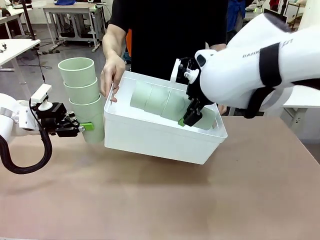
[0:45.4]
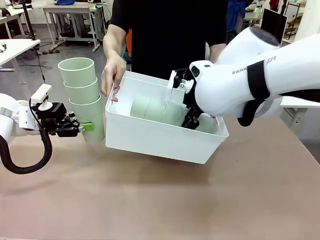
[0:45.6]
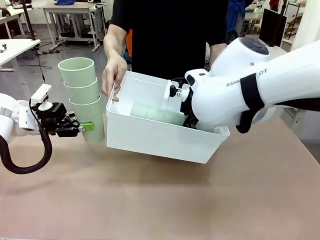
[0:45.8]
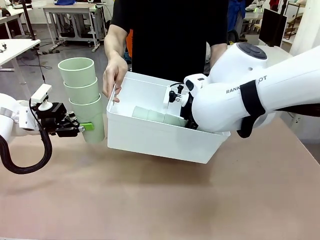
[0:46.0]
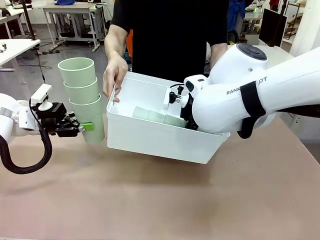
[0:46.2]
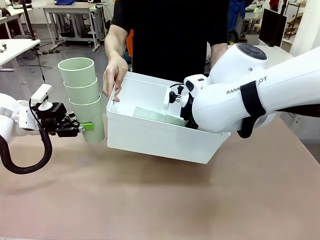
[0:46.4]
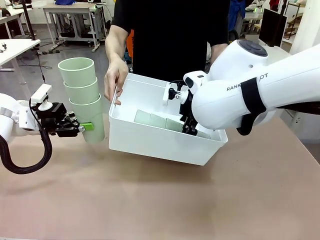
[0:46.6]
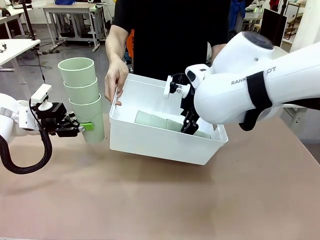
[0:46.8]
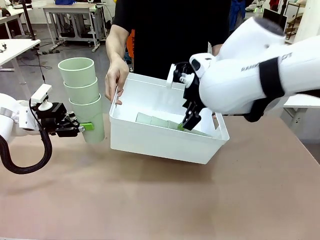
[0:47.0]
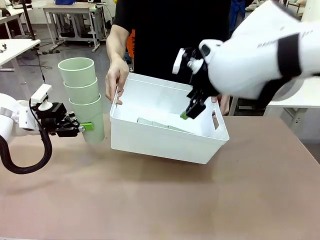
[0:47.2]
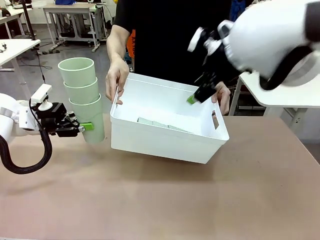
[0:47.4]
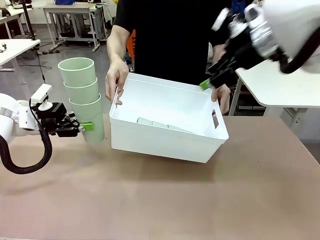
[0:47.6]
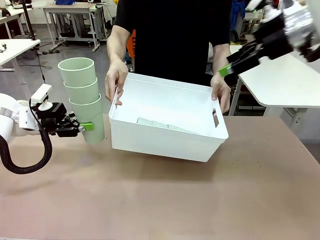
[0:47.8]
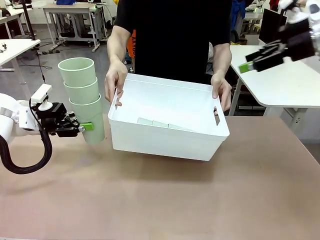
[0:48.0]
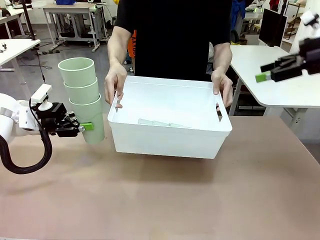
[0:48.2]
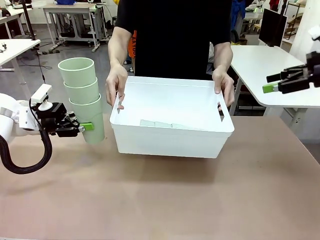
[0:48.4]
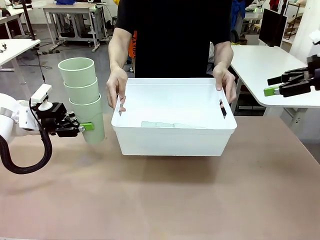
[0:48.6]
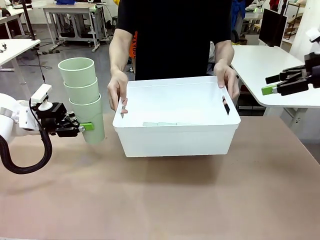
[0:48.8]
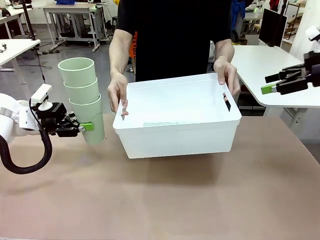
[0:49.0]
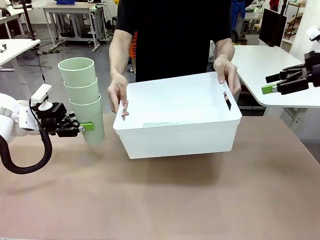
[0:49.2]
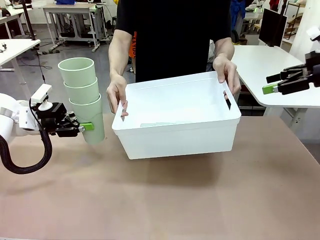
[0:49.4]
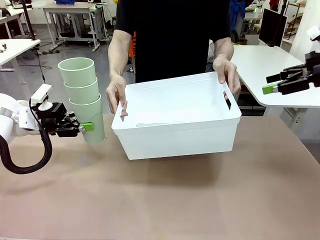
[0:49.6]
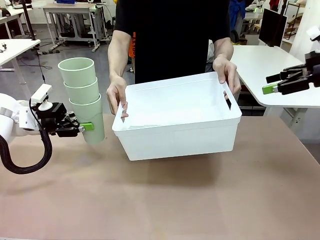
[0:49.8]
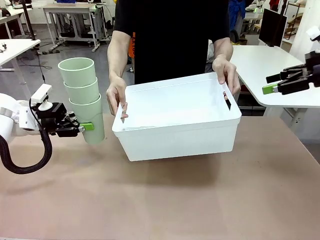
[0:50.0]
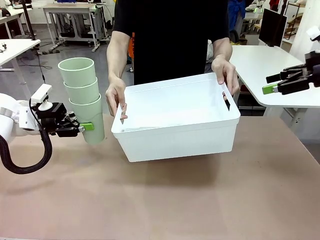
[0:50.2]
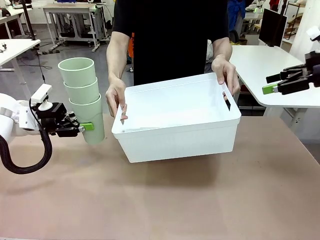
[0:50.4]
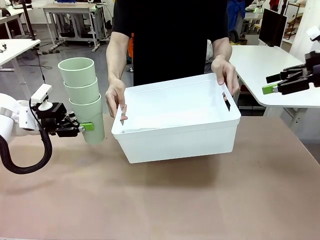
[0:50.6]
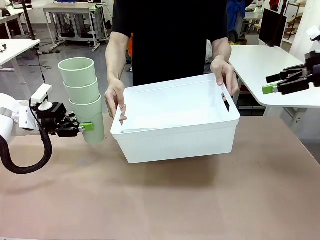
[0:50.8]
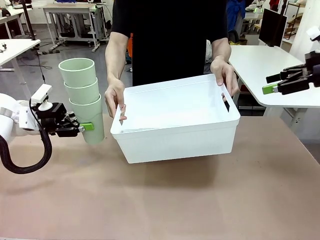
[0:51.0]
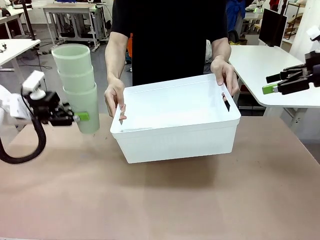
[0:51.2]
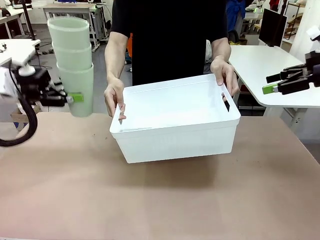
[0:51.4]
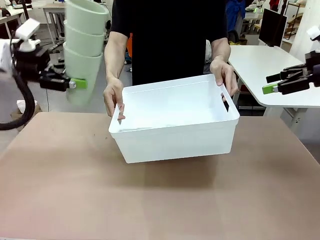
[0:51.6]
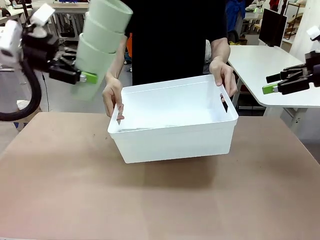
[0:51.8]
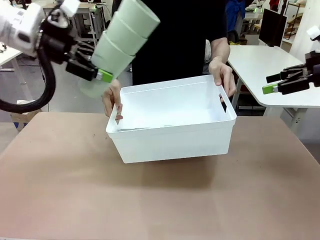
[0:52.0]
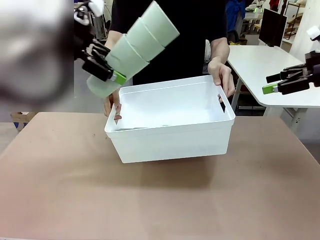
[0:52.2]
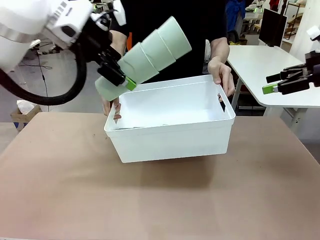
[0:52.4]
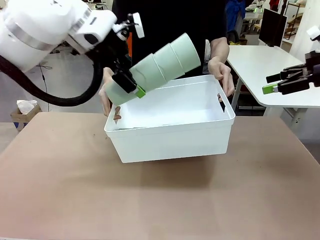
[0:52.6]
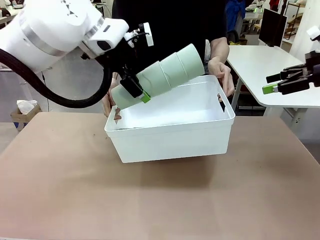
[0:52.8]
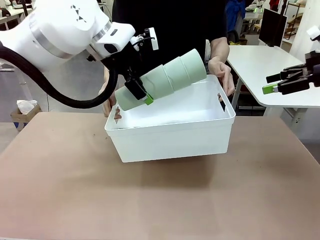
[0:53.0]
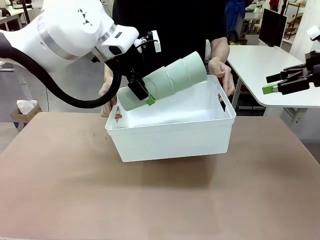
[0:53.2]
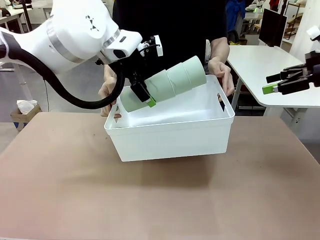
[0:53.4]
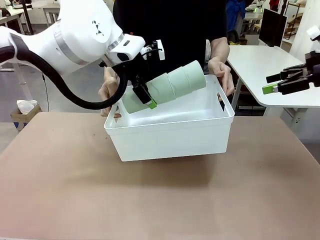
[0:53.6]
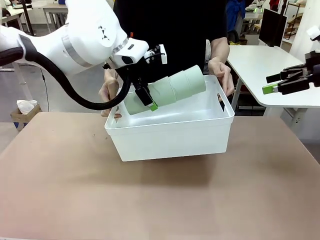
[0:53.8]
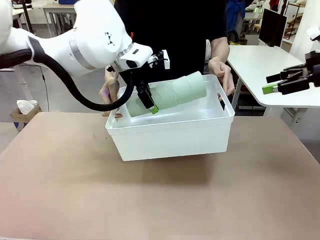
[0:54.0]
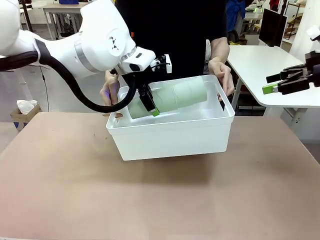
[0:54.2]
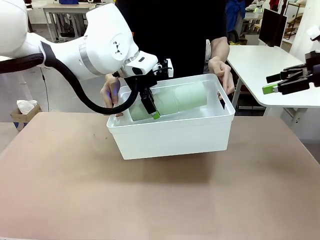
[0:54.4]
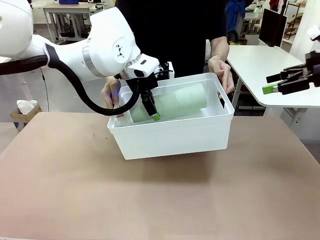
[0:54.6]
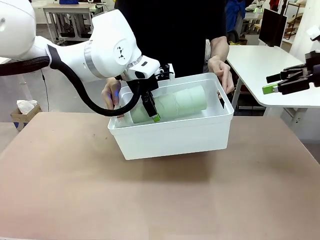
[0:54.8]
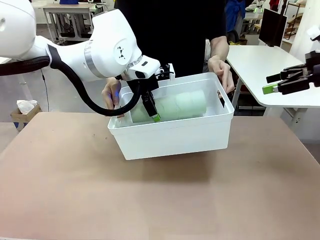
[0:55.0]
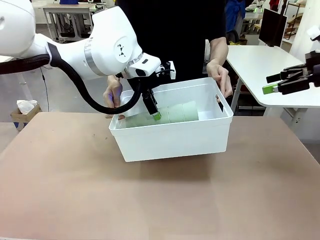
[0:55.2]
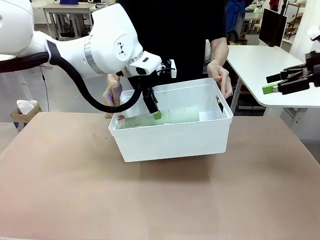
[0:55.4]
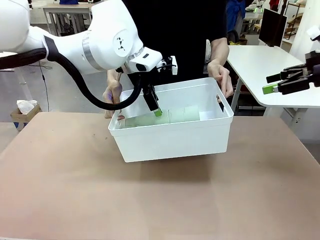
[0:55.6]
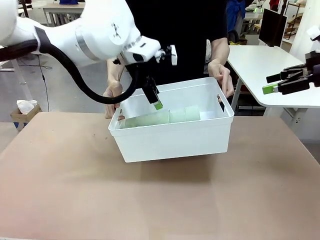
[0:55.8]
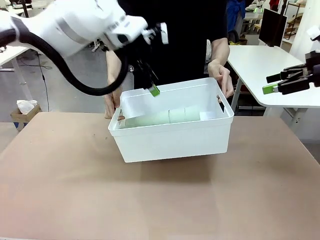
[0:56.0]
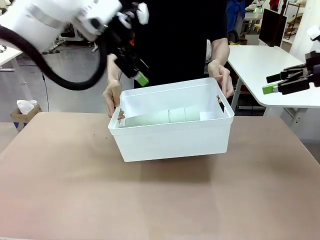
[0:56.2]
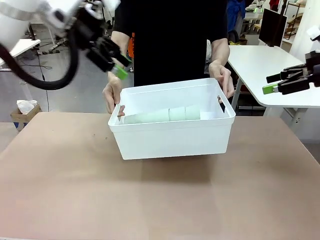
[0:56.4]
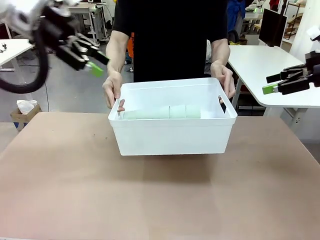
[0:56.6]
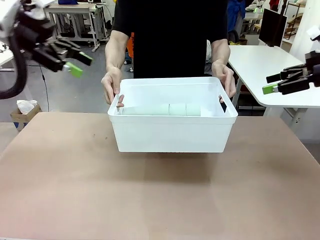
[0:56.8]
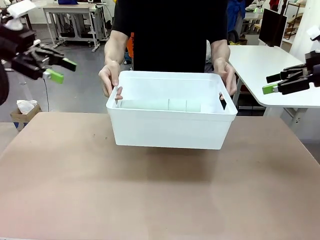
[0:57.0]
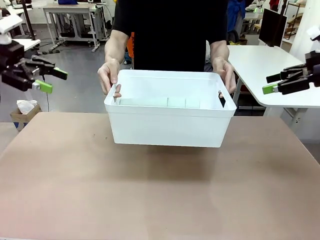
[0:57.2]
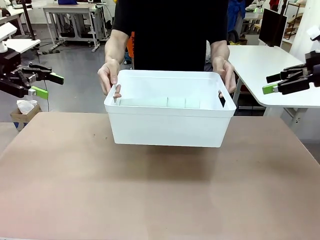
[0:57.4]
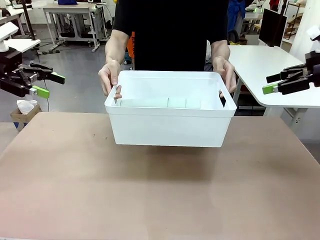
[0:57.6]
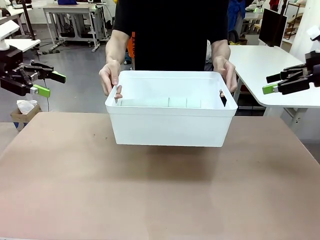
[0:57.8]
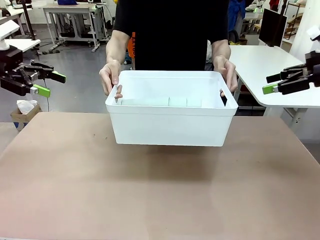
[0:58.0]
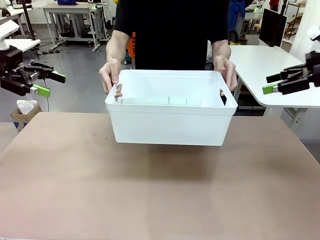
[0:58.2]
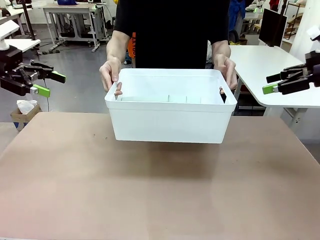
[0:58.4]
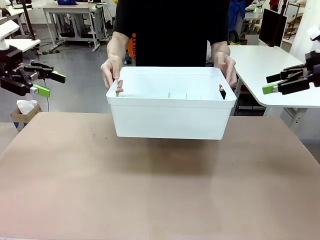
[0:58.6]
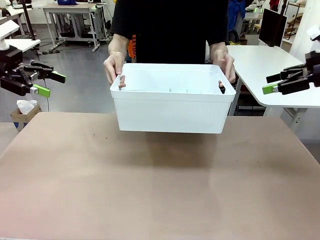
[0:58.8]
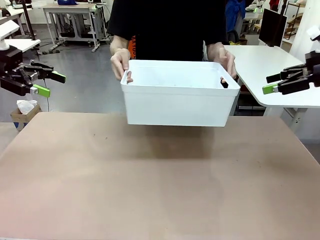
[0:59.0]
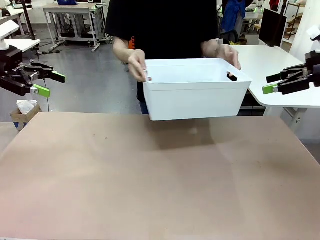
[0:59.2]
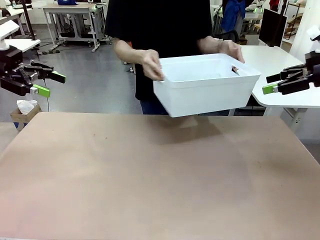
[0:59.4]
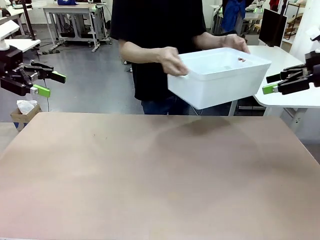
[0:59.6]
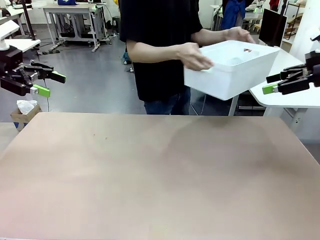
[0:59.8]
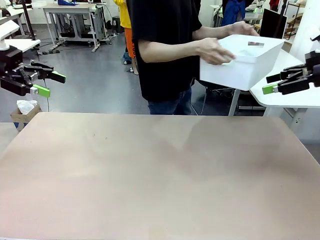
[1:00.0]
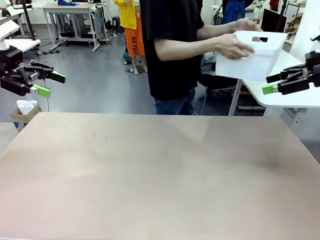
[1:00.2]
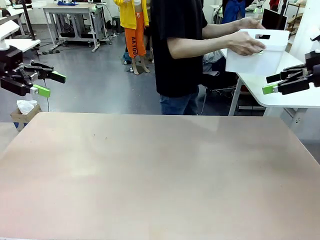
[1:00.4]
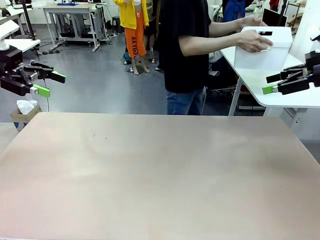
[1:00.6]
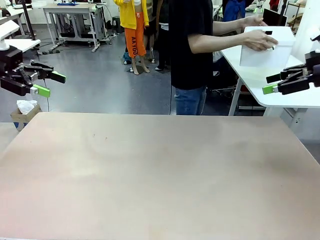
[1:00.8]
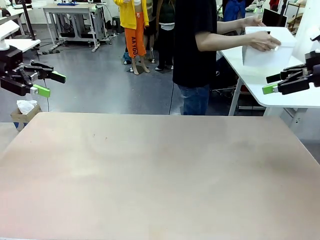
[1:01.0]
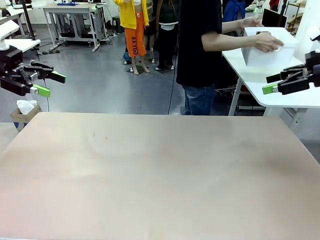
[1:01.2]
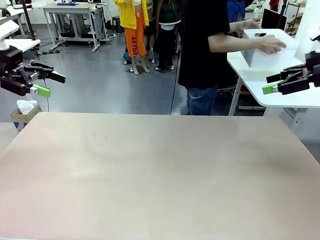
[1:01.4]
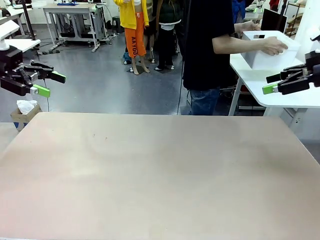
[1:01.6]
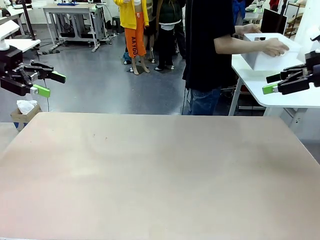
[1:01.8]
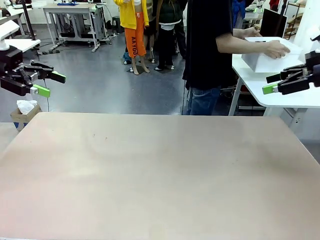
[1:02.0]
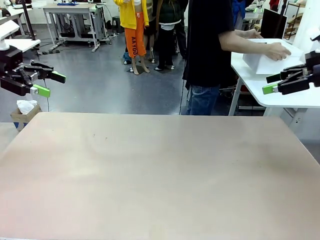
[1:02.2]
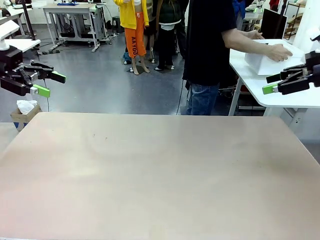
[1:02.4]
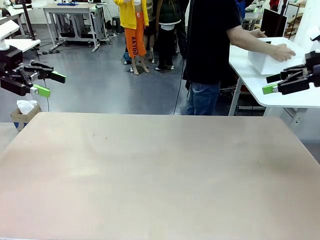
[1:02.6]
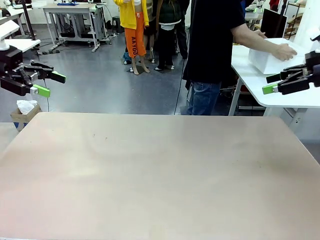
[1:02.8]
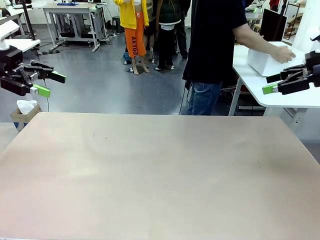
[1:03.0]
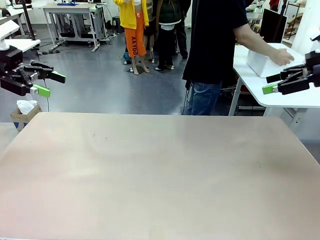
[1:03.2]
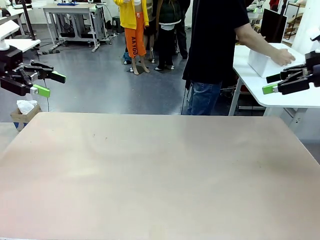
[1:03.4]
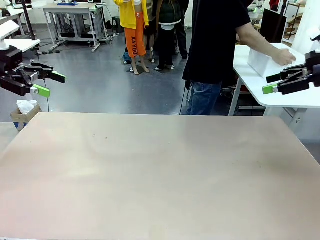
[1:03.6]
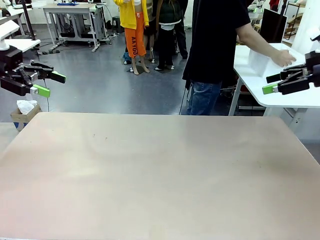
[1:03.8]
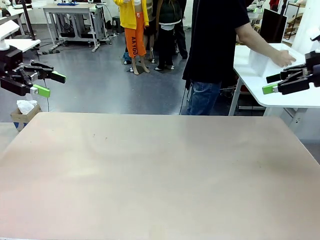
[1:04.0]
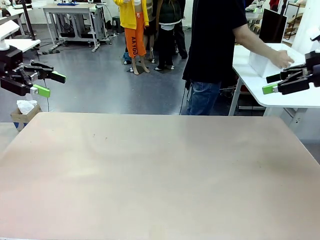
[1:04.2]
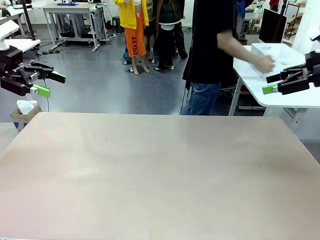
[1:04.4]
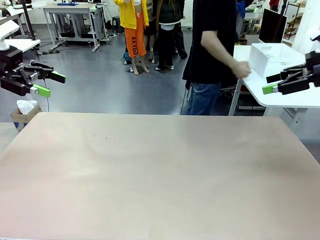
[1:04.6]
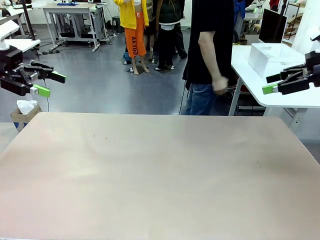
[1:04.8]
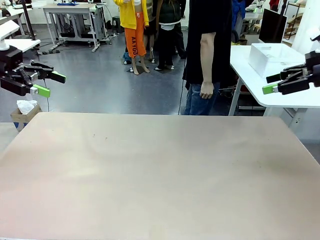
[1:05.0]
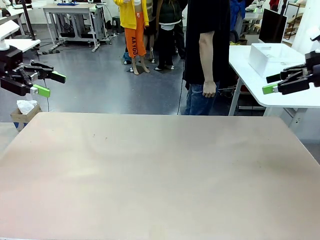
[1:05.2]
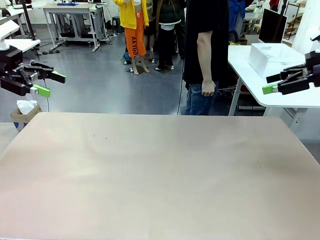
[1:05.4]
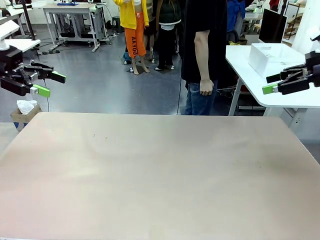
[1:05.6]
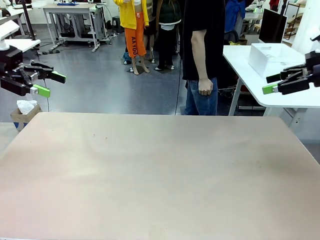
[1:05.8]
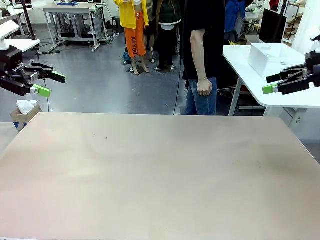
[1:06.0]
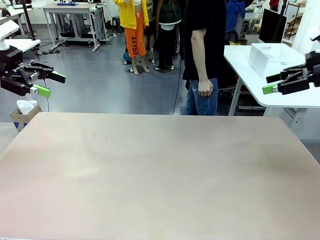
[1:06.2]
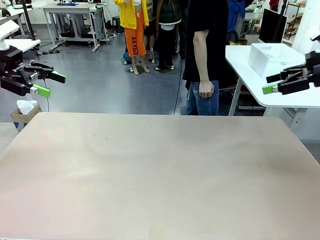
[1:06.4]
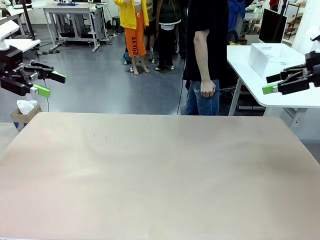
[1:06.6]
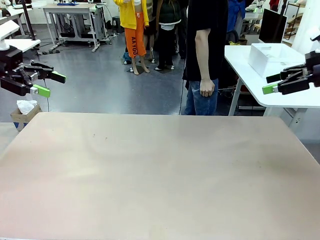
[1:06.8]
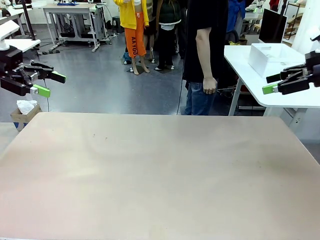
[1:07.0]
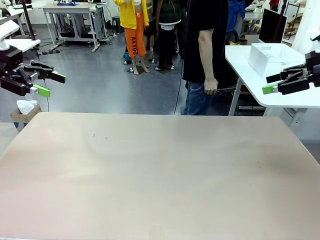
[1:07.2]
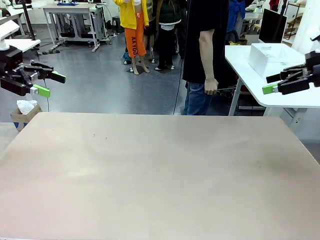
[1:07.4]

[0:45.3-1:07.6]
Task: Stack the cups and store them in the basket.
Robot: Place the stack of Reusable plastic cups into the Pantry Basket.
Person: Place the basket containing the cups in the middle of the Human Table.
